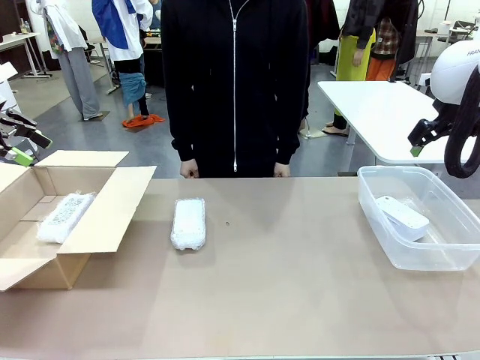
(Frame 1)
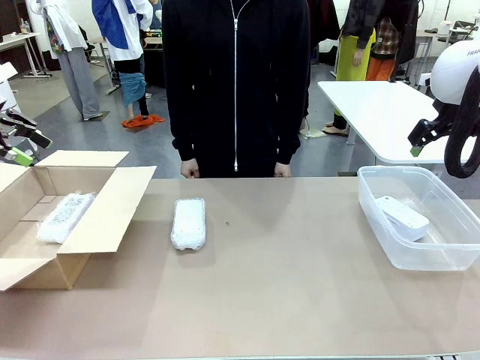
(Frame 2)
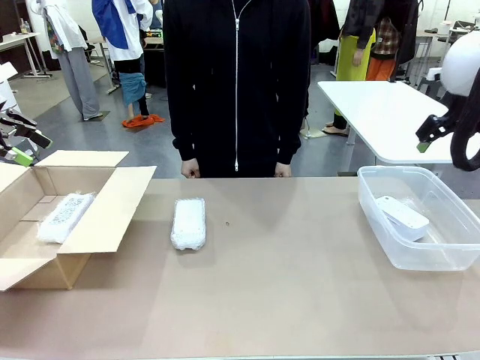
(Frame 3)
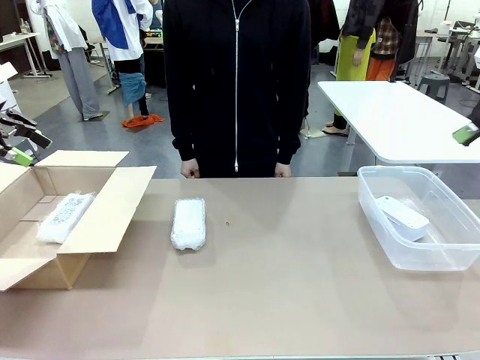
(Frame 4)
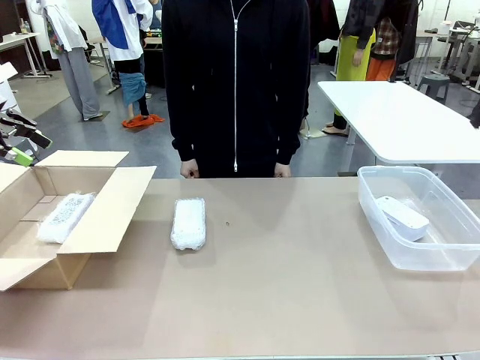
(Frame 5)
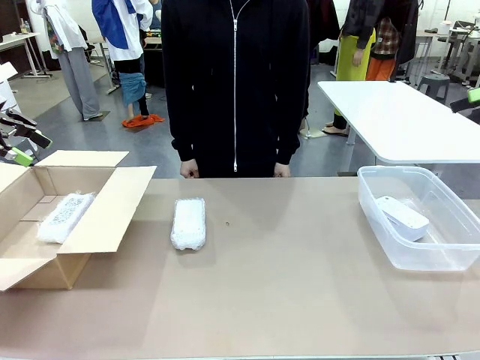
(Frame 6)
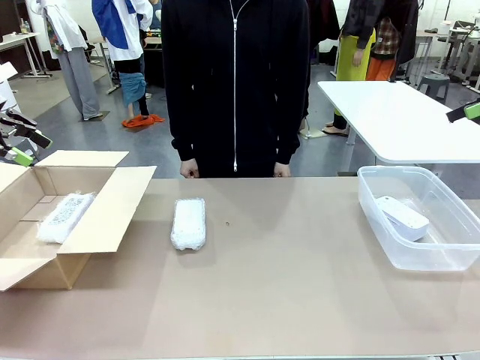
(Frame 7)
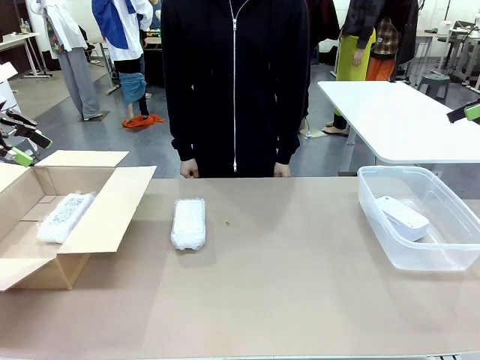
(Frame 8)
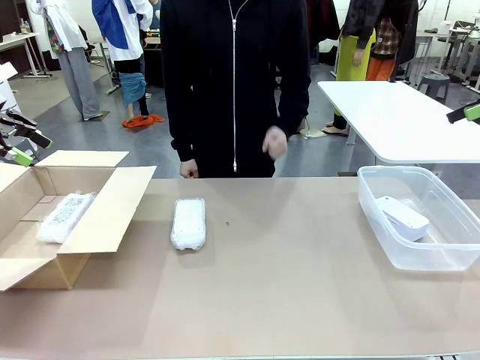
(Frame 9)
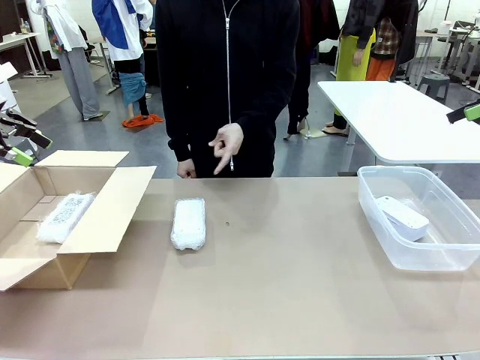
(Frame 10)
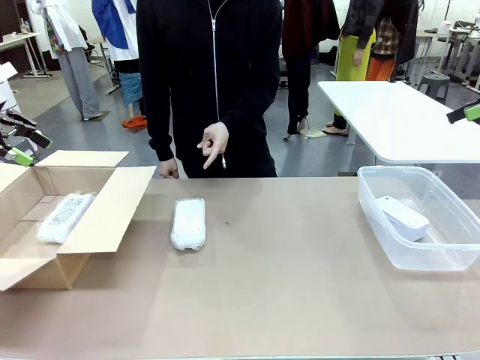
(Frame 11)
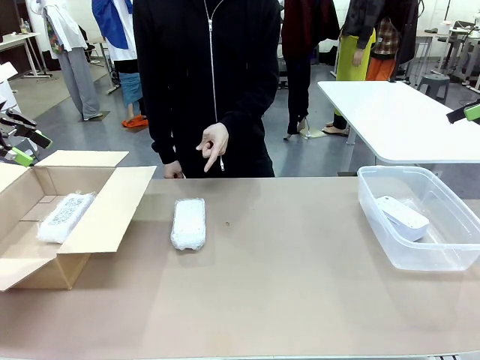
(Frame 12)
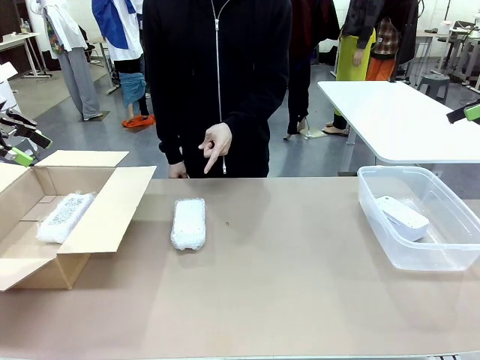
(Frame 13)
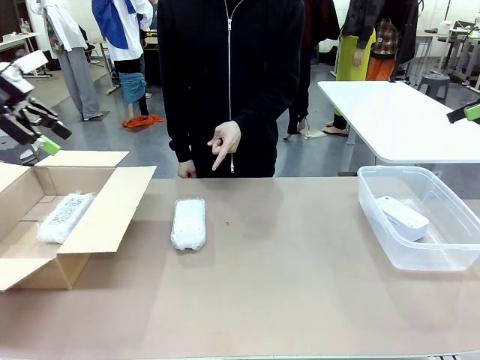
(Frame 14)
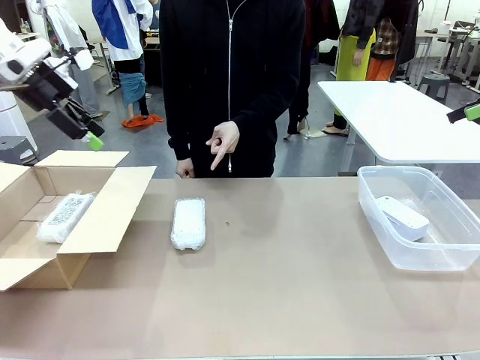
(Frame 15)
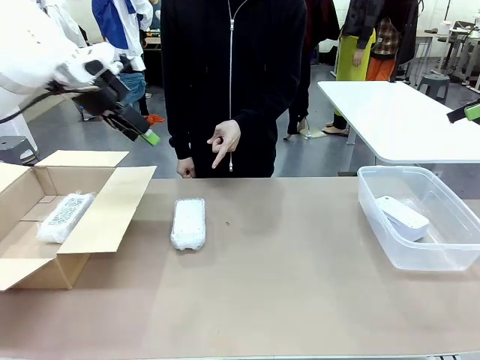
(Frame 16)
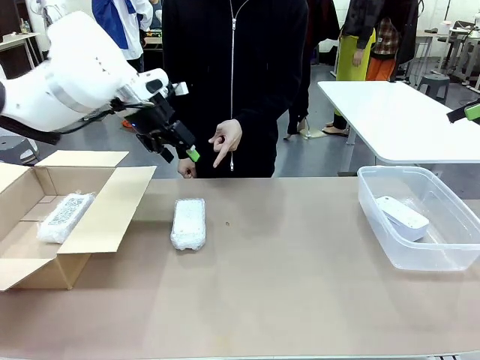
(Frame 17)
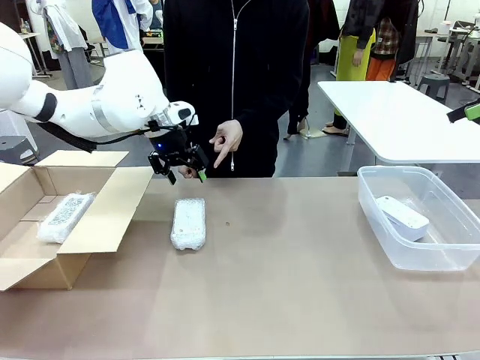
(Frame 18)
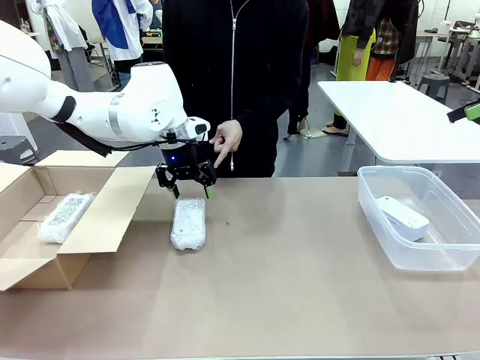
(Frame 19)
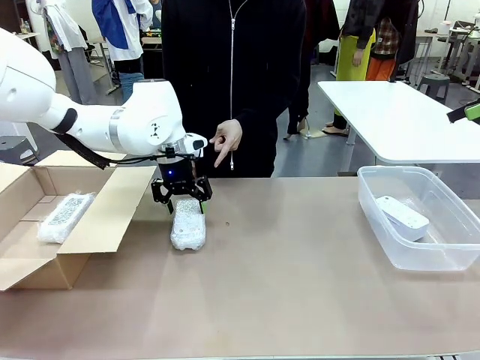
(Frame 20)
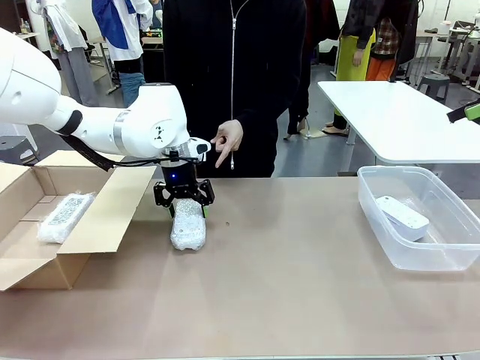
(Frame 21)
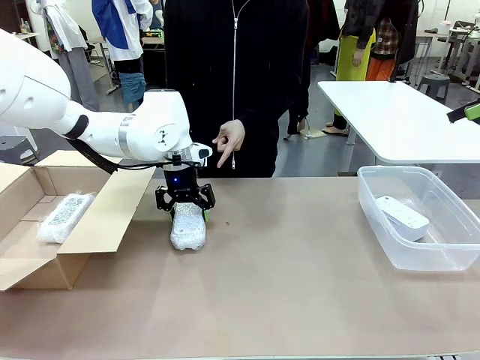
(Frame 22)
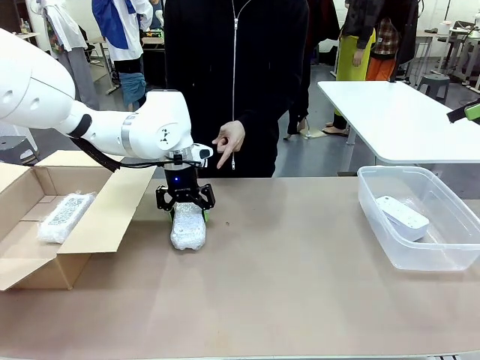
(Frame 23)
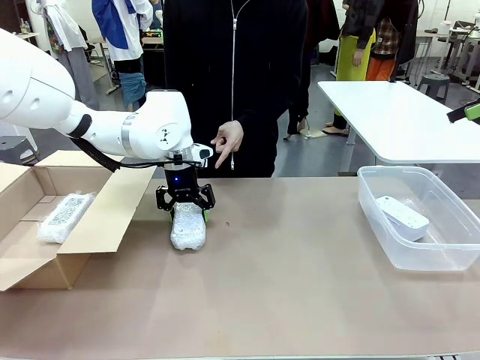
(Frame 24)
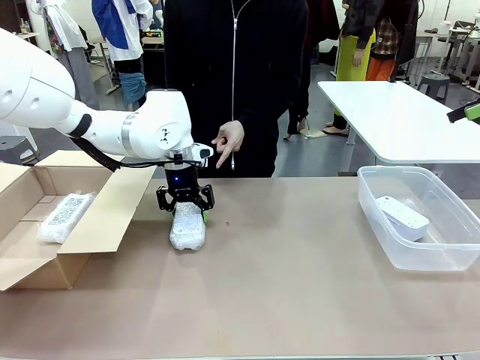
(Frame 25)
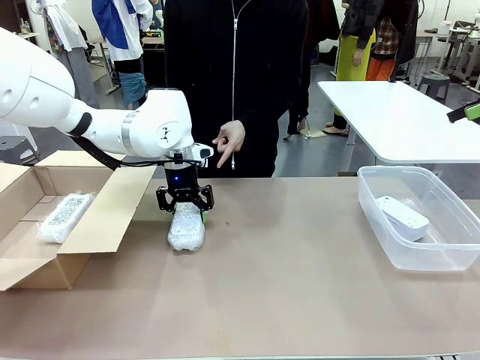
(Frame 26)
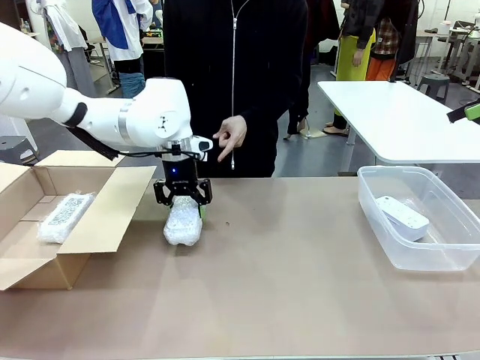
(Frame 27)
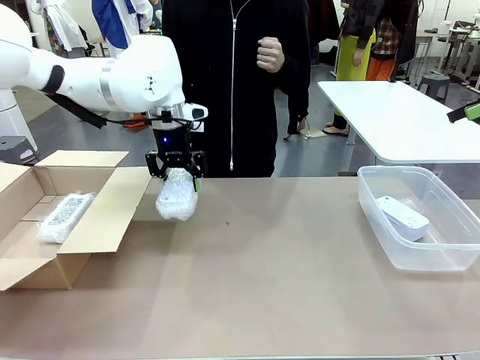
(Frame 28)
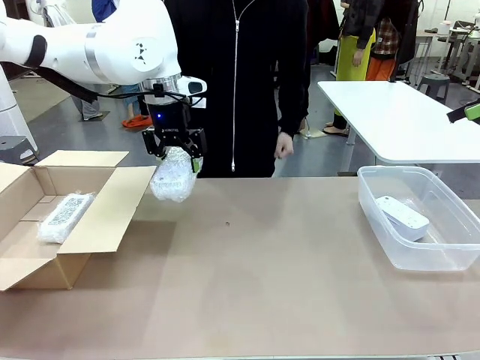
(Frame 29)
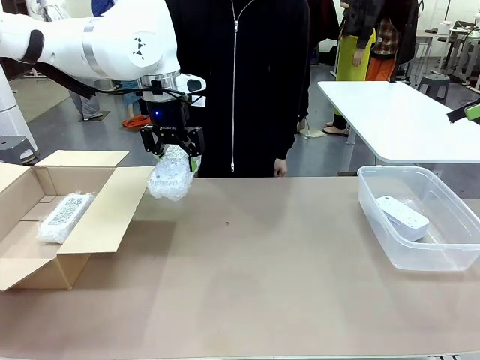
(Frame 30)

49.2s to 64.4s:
Task: Separate and place wrapped and unwrapped clocks.
Robot: Pick up the Digital clock indicated by the person.

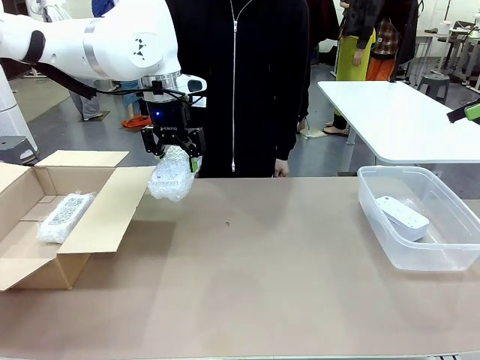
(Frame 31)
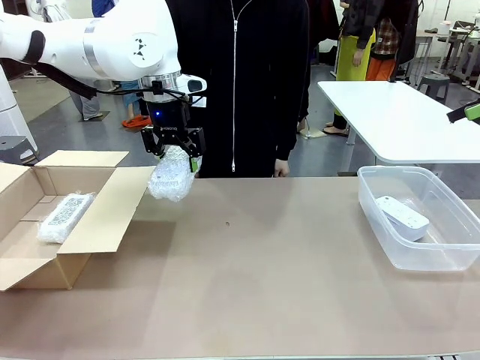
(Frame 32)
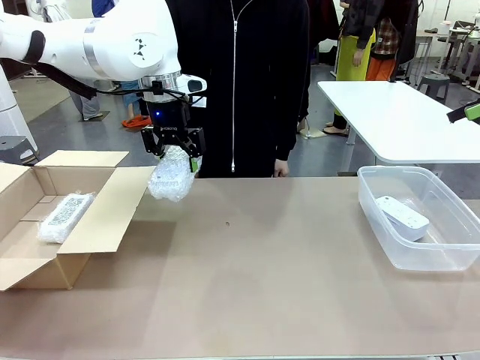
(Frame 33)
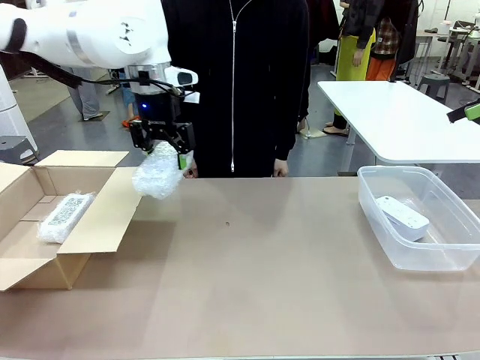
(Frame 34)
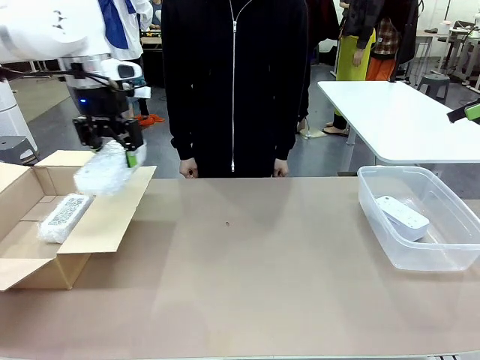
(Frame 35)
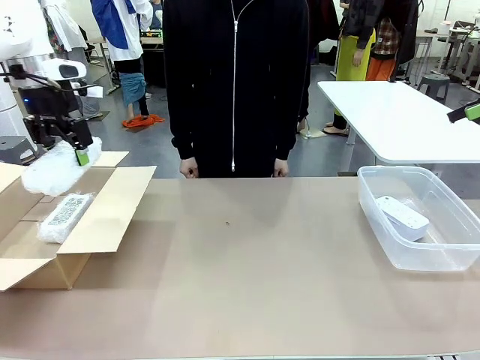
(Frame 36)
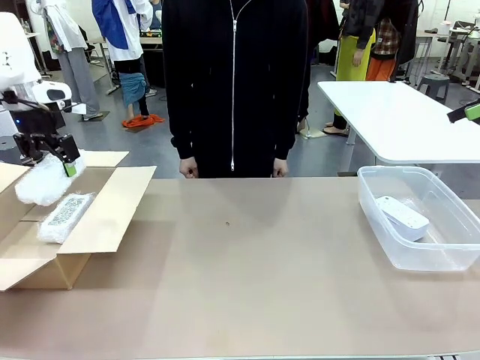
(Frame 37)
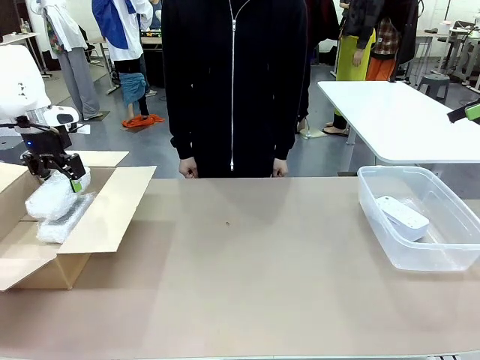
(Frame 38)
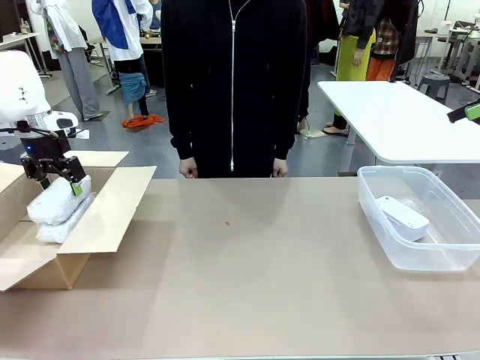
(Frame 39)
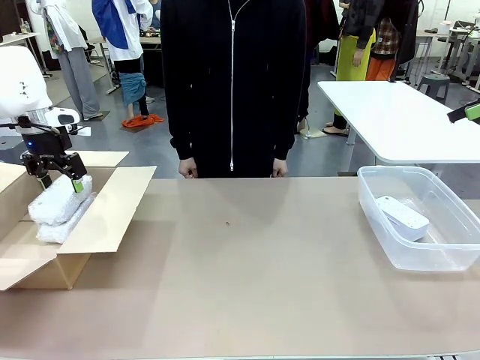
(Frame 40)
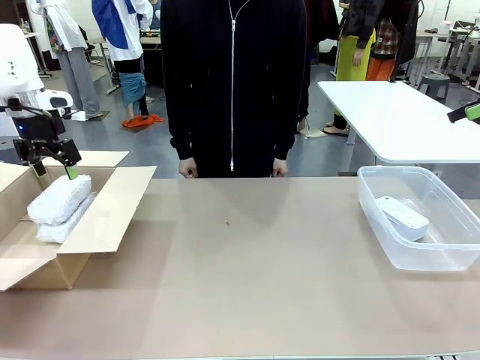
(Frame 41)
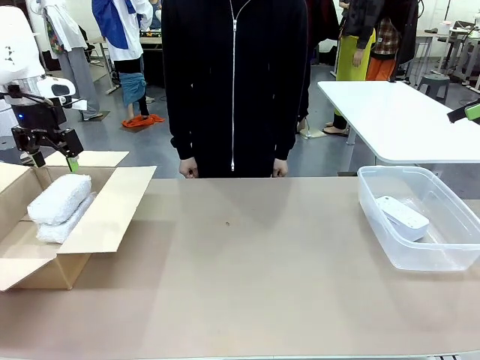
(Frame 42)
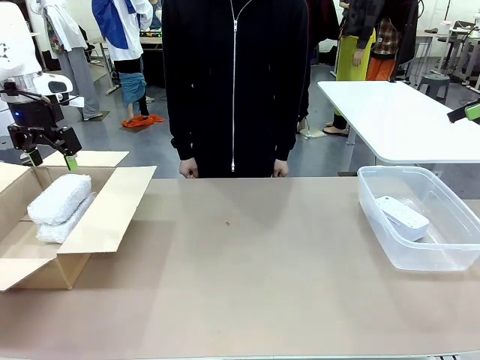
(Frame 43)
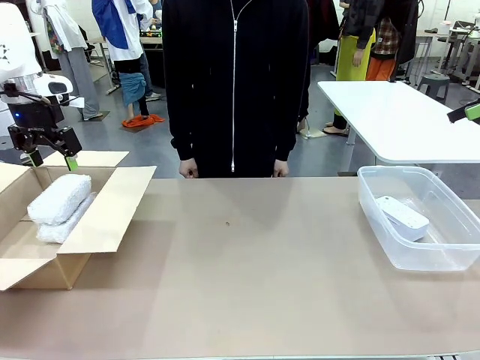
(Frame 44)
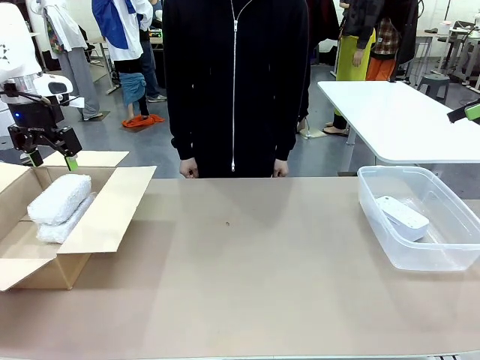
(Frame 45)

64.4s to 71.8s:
Robot: If the picked Digital clock is wrapped, place it in the Package Box ; if not, place it in the Organizing box.
